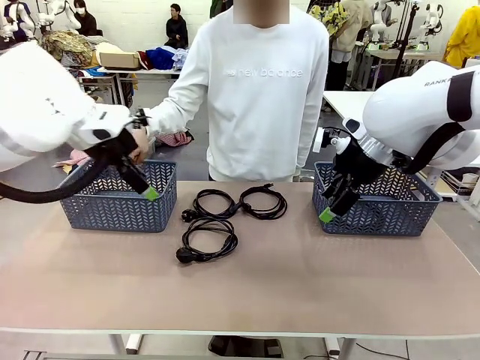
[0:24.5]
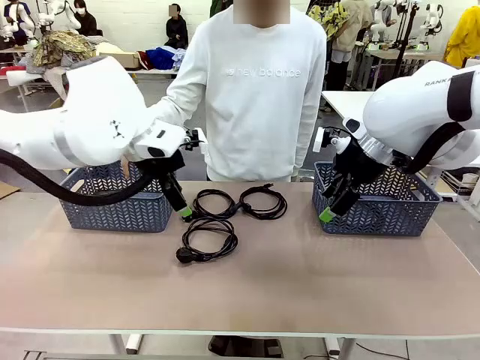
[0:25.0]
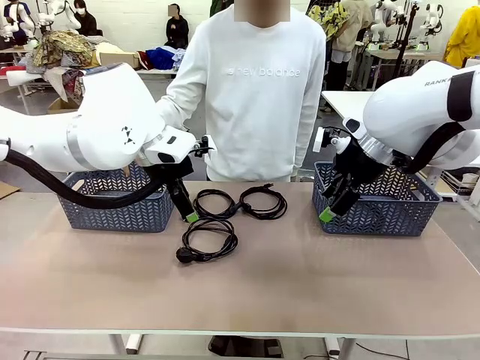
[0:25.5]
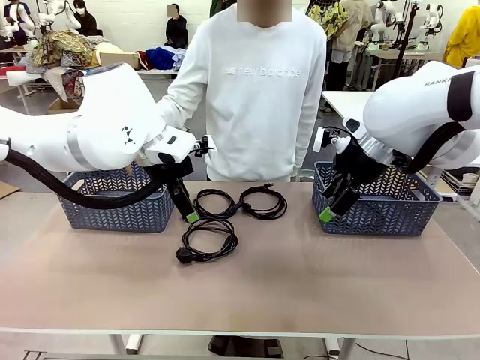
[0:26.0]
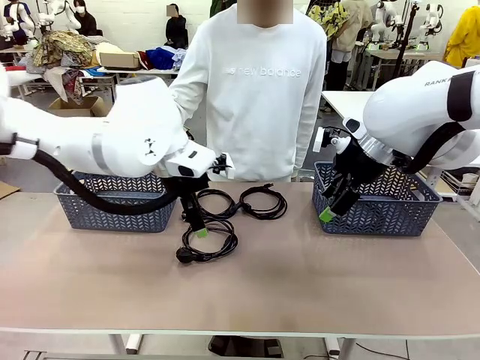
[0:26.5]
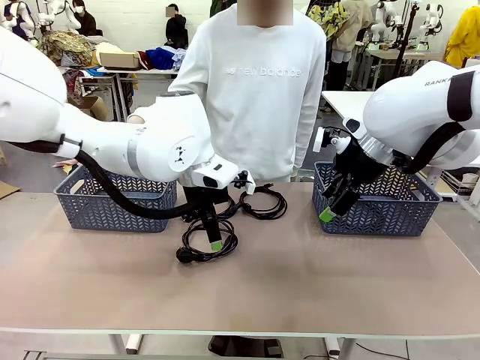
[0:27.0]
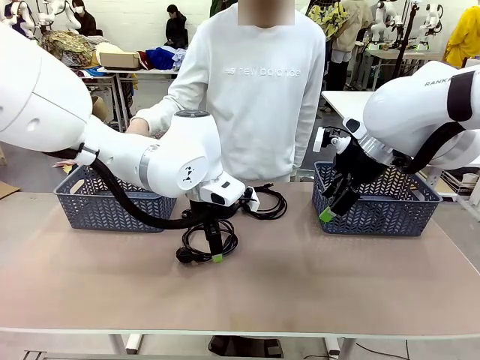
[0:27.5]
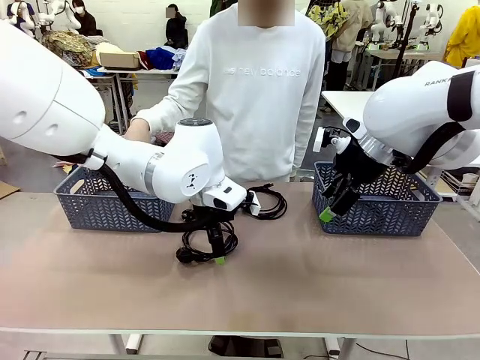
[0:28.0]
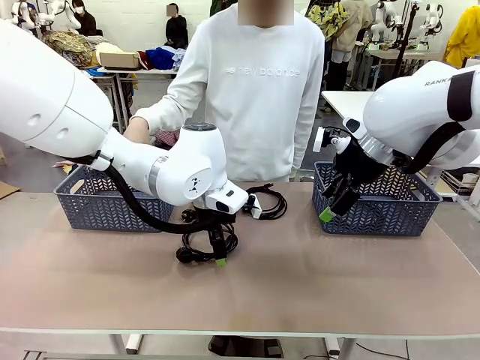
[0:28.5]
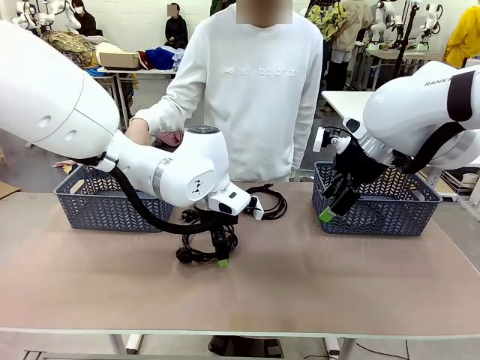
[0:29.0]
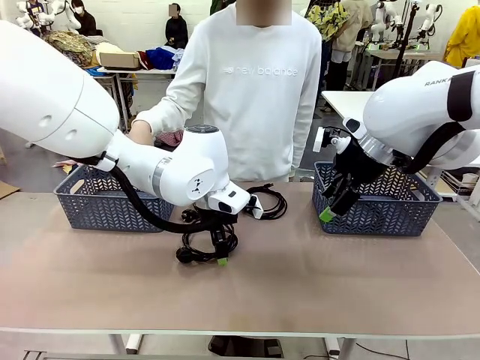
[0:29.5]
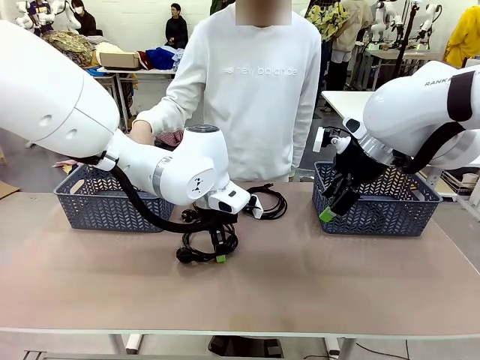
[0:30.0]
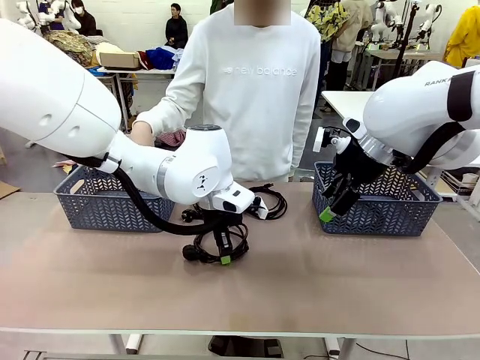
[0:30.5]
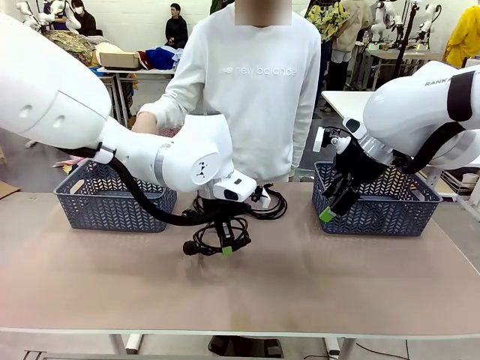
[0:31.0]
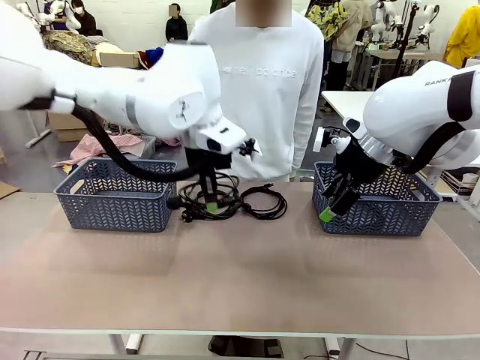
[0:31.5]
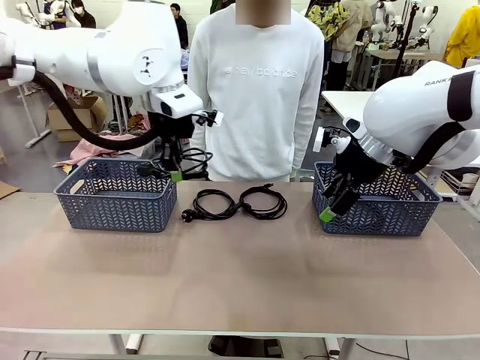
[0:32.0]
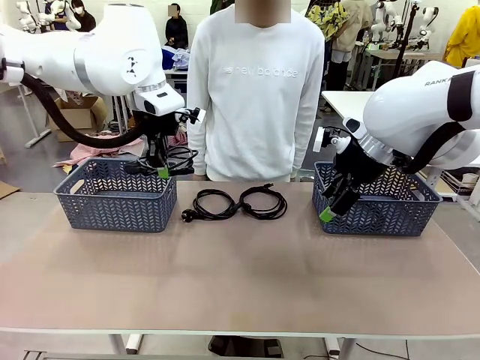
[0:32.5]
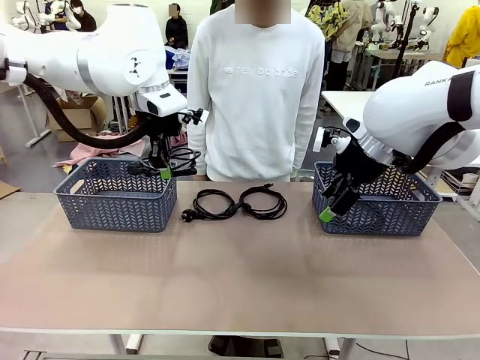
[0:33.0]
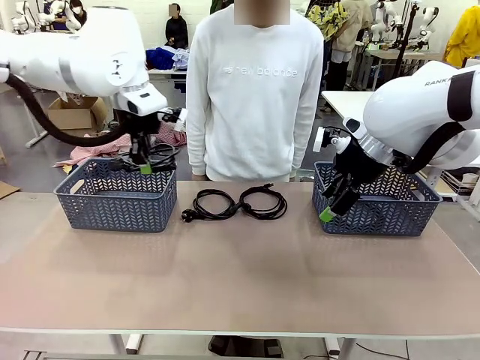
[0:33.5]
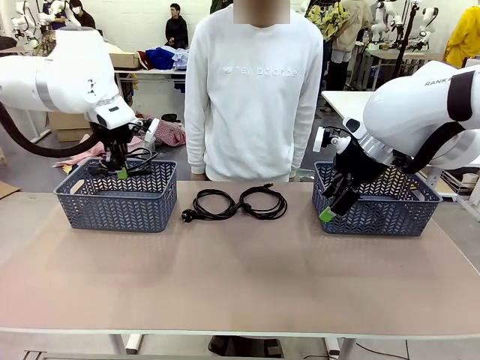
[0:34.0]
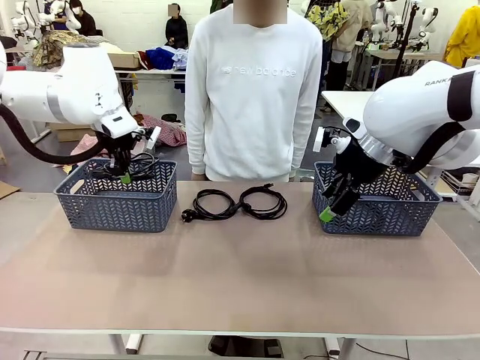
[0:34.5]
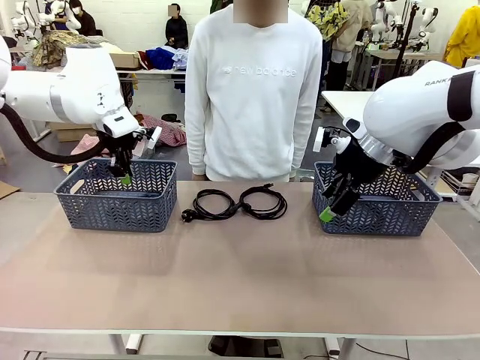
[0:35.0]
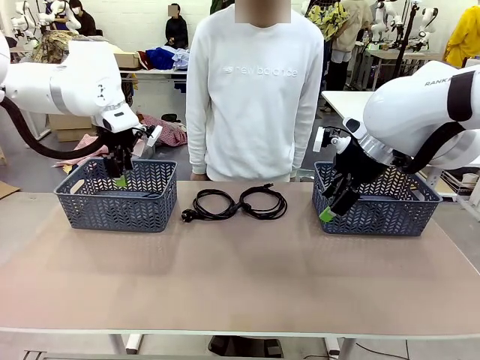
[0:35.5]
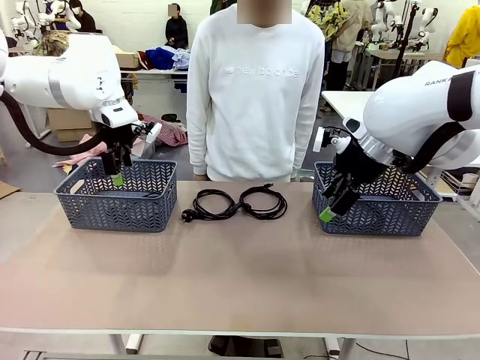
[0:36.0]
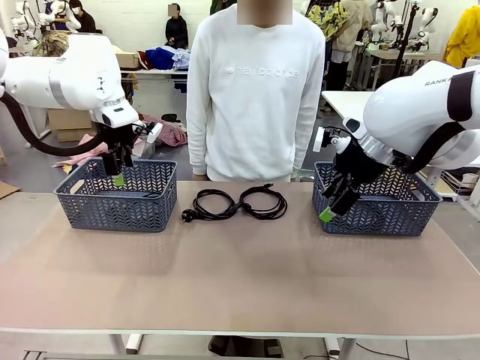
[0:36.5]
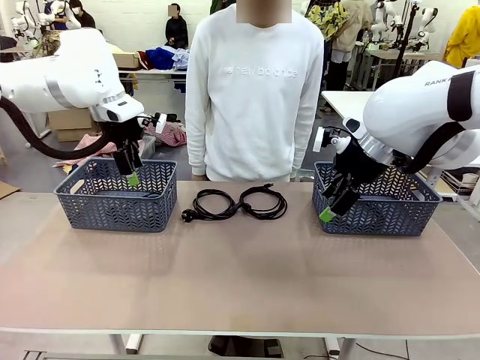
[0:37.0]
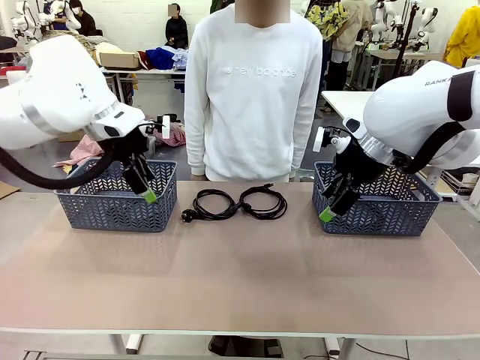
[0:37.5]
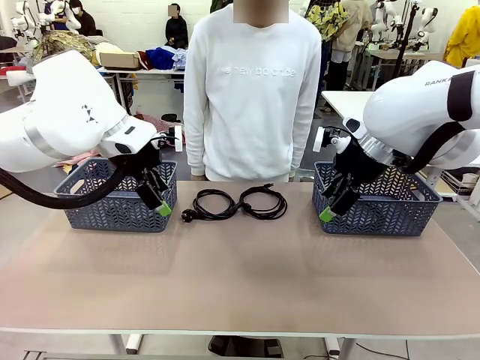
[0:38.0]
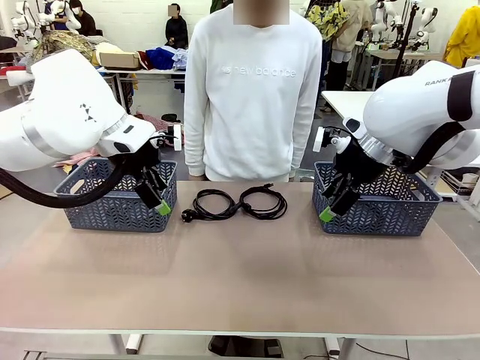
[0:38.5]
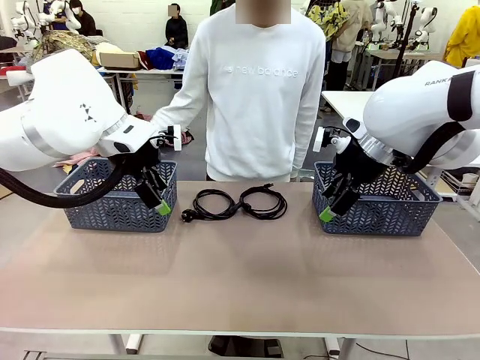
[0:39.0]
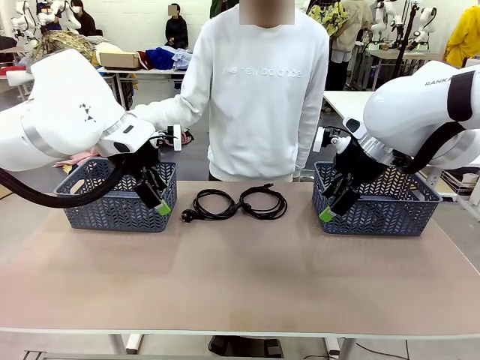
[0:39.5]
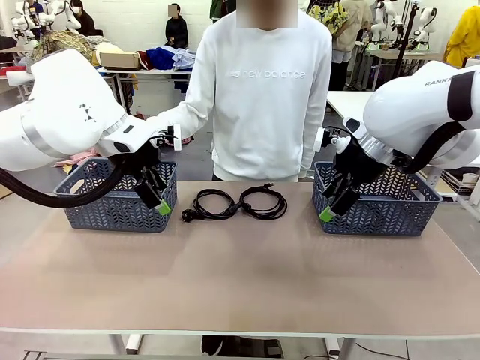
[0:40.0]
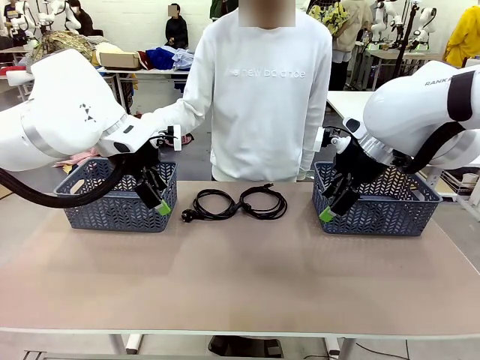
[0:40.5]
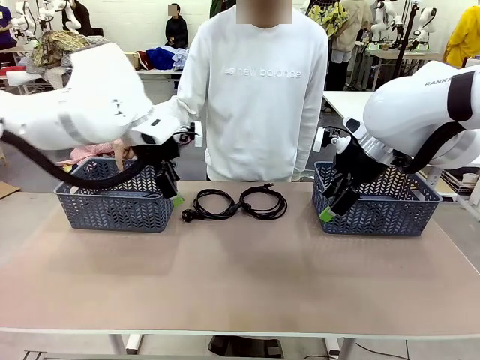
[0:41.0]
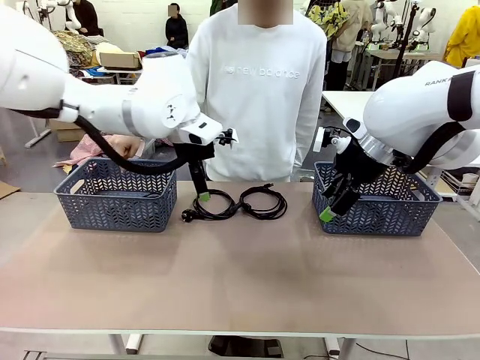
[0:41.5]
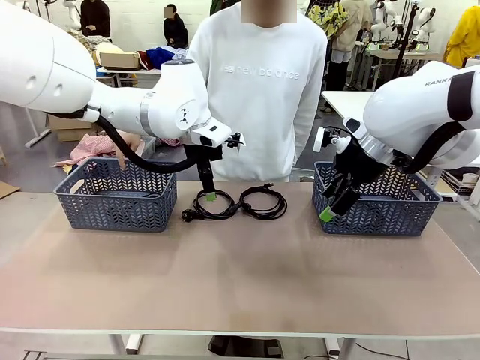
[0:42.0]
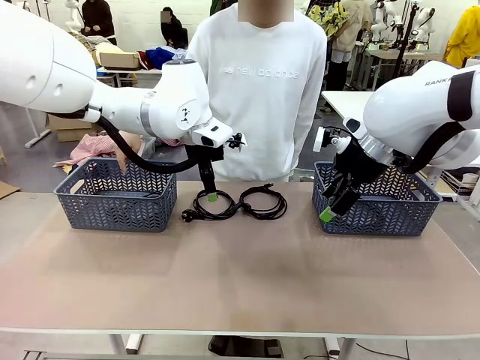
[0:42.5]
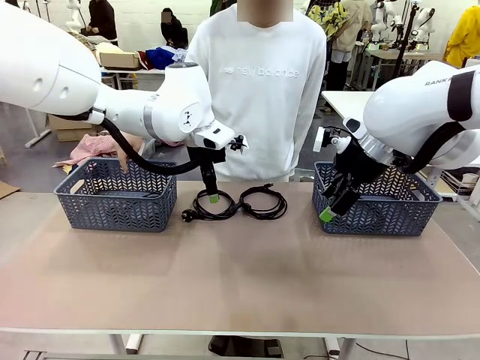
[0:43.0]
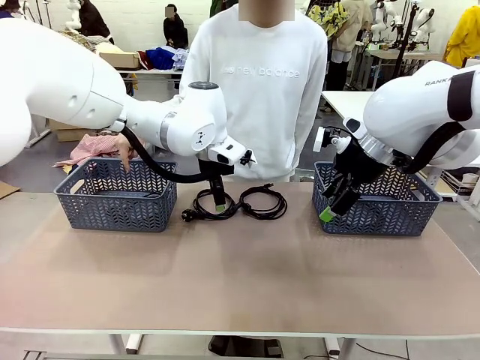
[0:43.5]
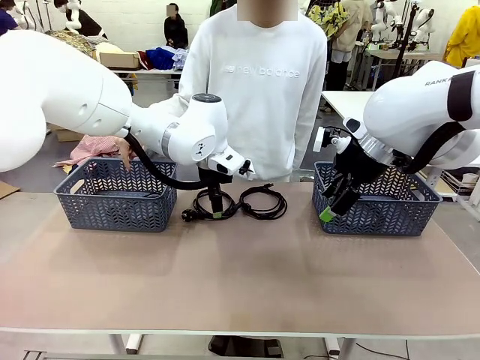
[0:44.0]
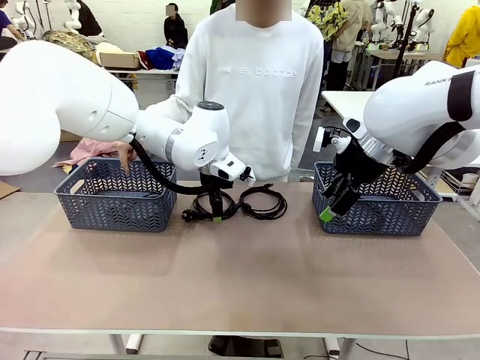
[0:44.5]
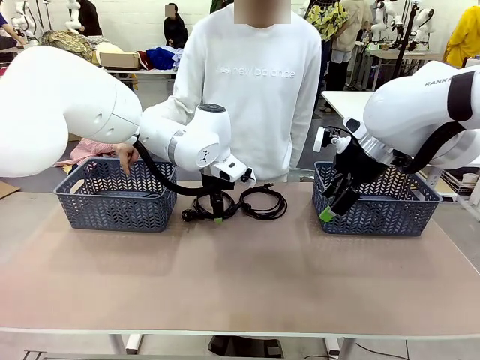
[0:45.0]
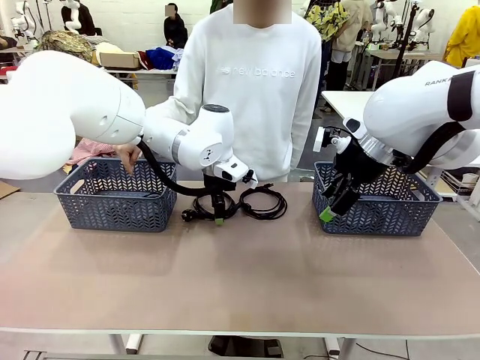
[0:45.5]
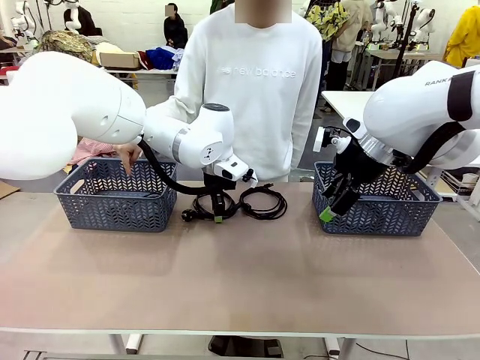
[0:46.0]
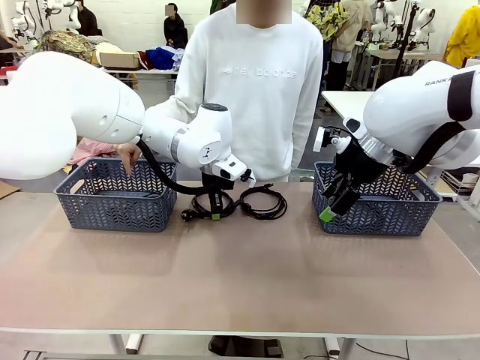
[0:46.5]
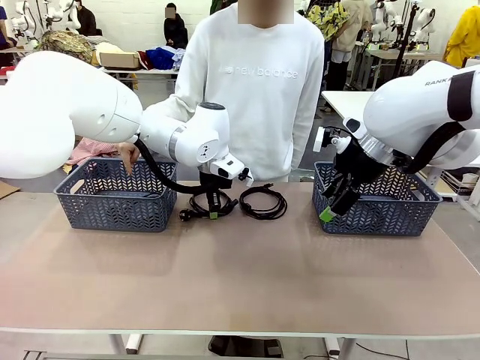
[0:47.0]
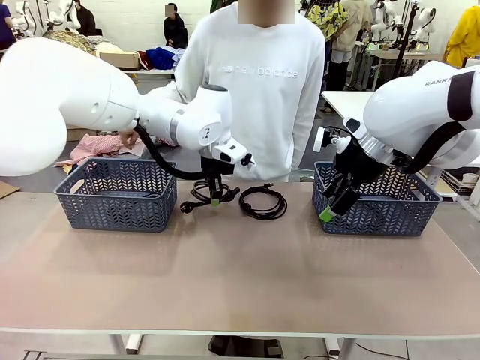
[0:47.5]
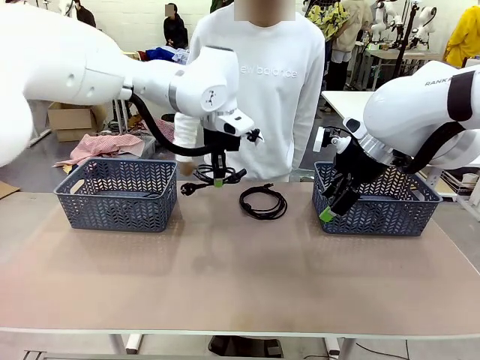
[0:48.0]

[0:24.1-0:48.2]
Task: Organize the cables according to human instructions.
Robot: Pick up a bundle of cables and place it in the basket indicated by the human.
